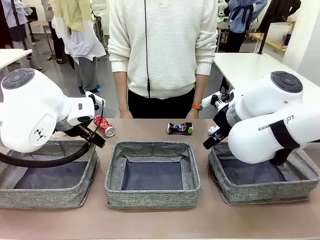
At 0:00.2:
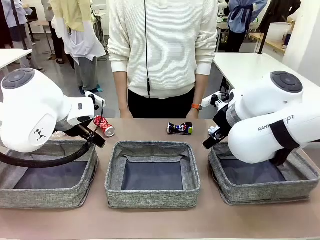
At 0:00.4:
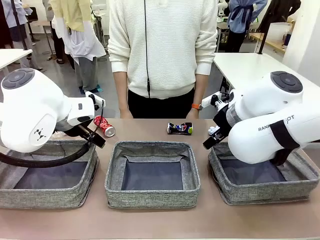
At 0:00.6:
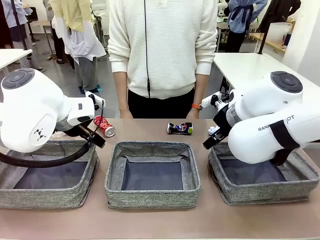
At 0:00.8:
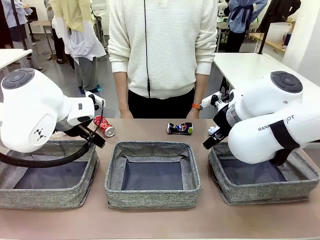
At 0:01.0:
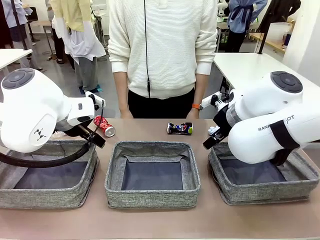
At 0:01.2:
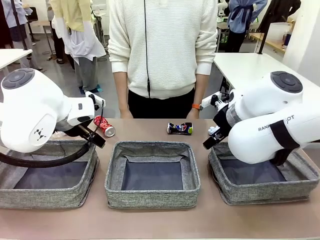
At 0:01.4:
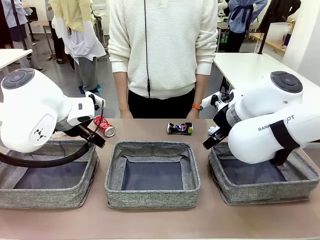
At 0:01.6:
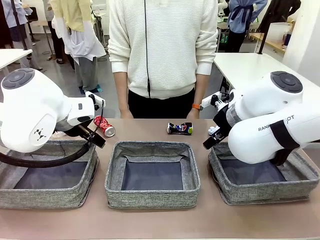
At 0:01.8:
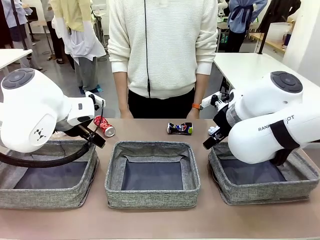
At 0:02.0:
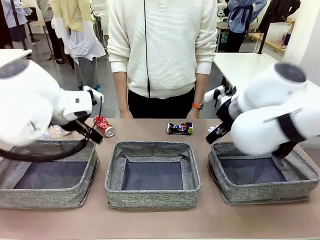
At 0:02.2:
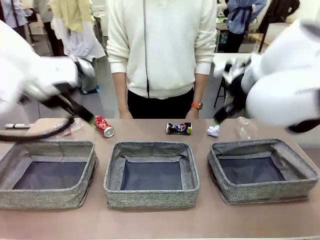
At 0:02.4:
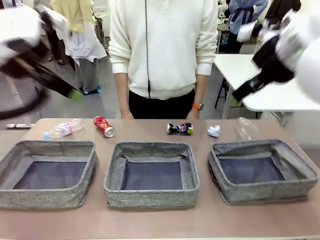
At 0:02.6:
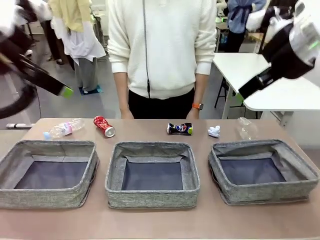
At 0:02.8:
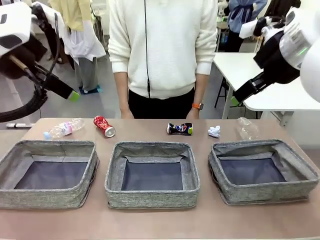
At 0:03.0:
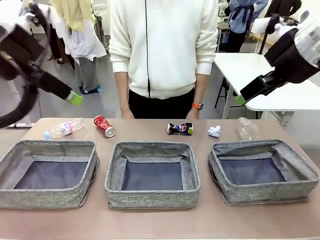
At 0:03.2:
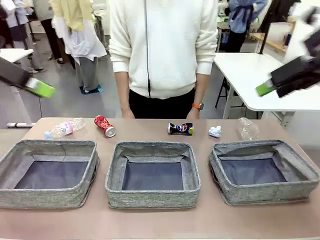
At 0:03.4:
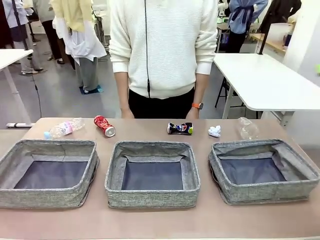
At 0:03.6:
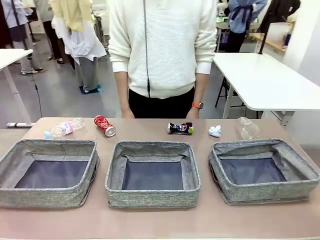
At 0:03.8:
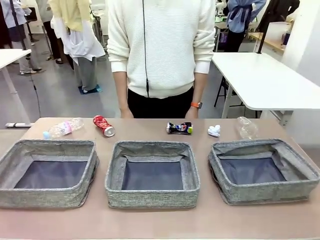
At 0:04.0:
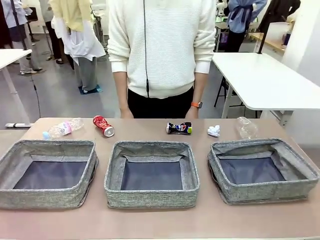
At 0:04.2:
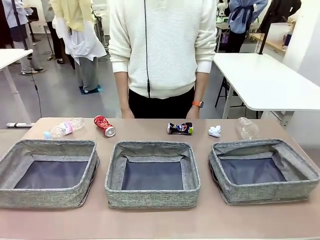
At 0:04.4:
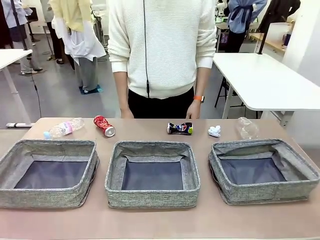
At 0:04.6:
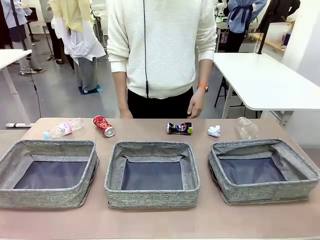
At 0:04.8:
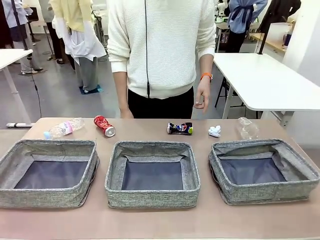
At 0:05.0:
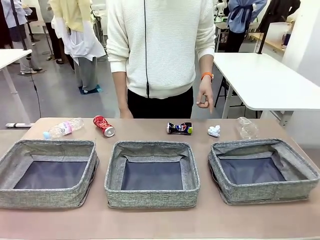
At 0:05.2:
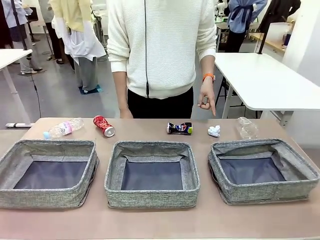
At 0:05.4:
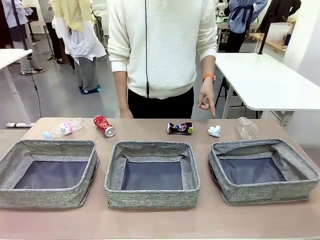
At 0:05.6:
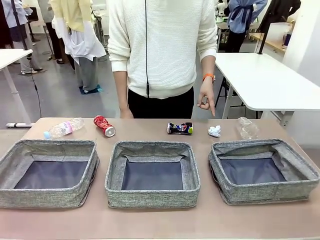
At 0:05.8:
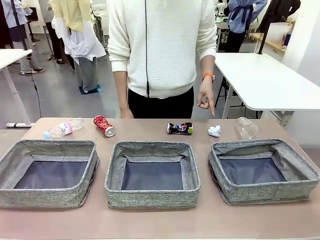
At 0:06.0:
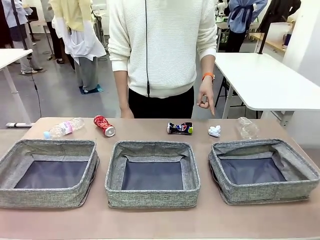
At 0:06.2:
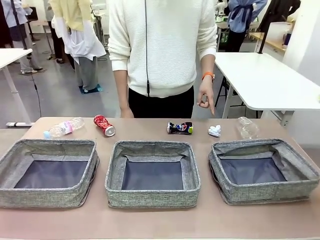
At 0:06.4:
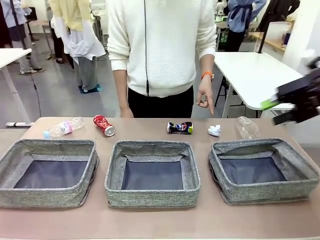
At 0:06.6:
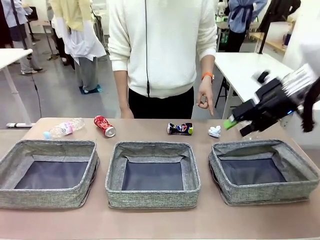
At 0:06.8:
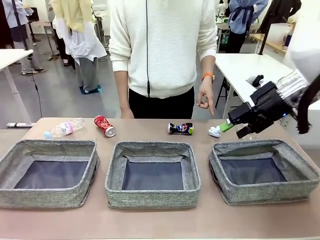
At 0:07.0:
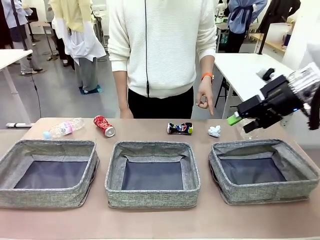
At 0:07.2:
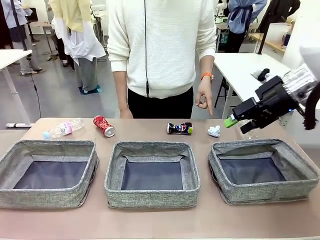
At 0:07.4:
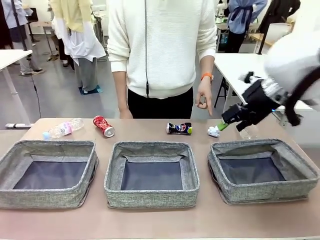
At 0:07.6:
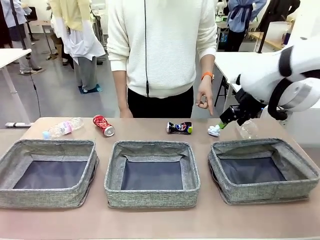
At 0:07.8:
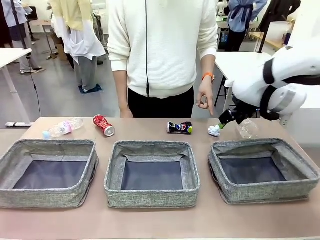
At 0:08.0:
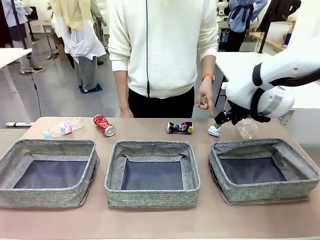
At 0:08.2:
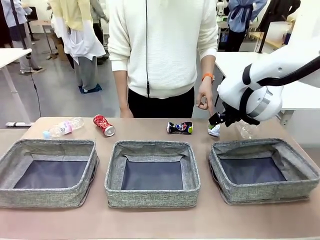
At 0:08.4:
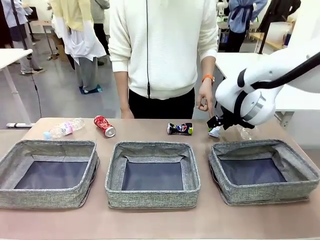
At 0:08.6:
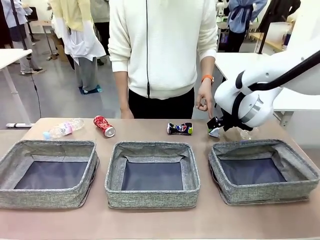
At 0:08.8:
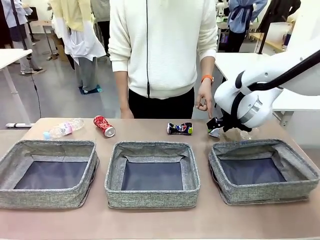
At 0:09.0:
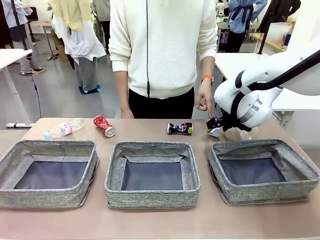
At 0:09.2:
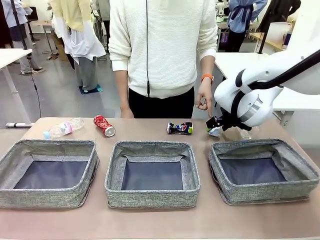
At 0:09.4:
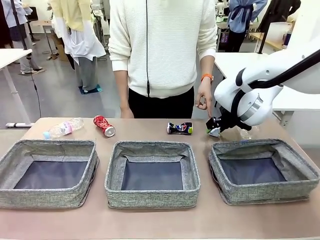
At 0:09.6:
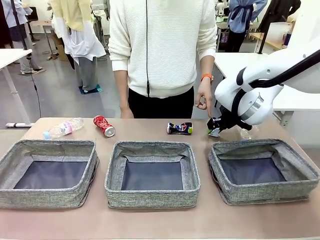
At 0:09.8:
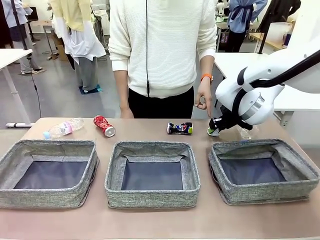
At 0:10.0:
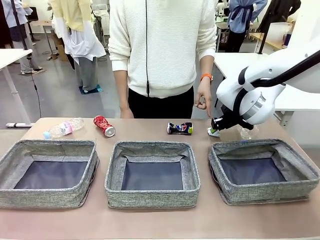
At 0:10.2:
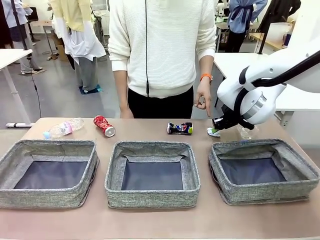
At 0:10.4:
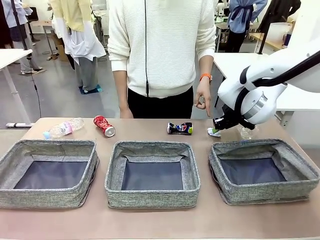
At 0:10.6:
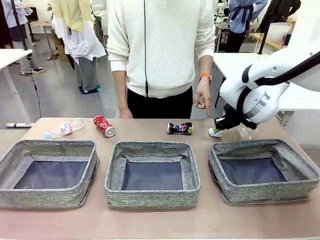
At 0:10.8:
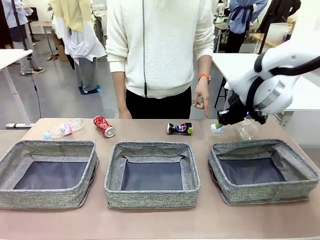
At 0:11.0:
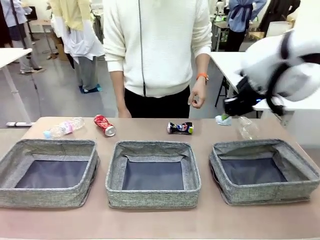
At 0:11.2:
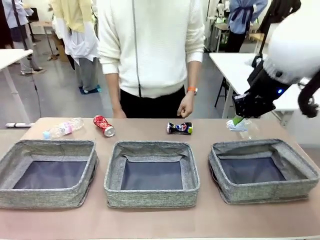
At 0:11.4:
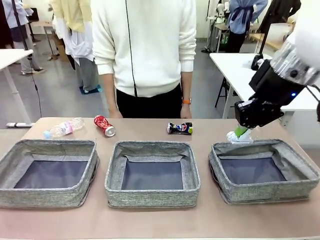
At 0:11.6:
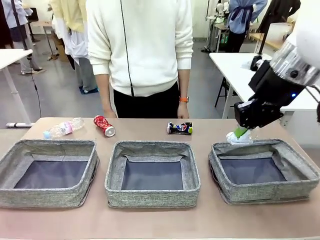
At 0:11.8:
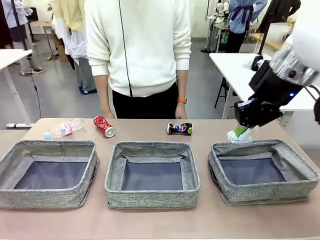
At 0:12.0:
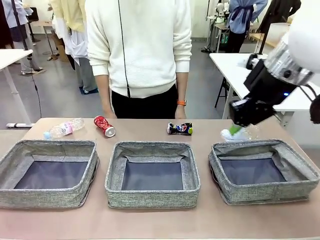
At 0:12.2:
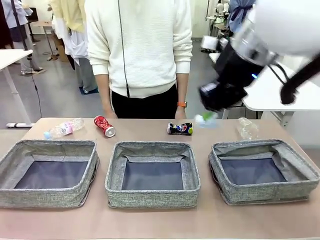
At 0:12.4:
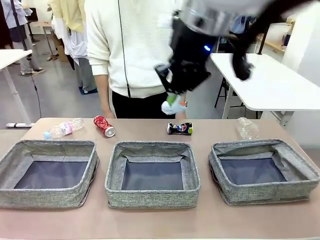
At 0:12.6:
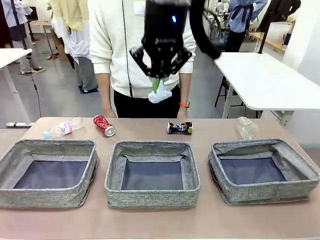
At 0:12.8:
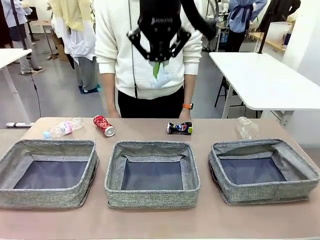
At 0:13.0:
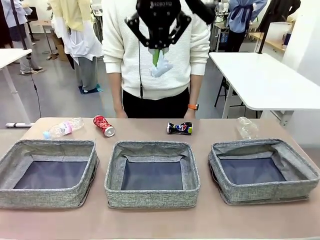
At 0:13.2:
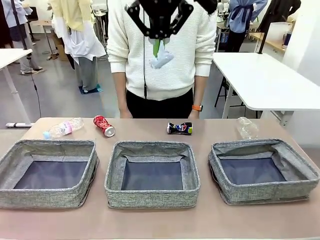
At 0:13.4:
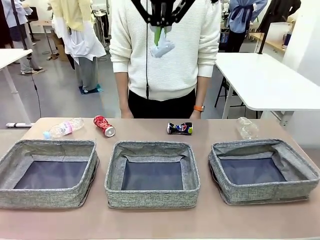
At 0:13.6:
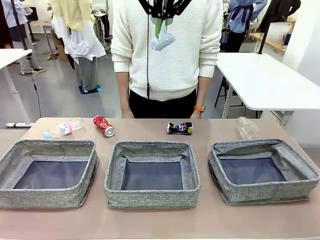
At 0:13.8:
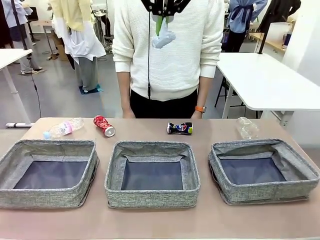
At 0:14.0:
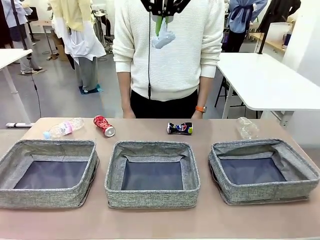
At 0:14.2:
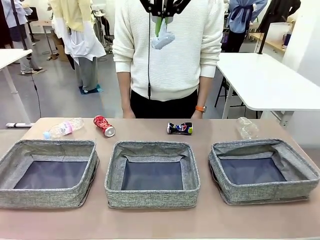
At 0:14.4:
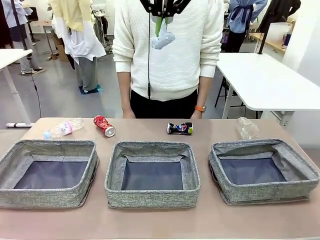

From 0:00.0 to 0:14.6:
Task: Sort the waste into the appropriate baskets.
Robot: Pick up the waste item pointed out by the person.
Person: Points to one piece of trash on the table.

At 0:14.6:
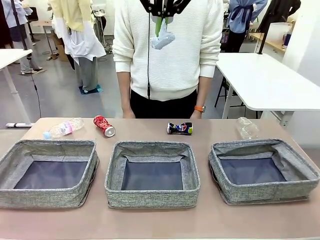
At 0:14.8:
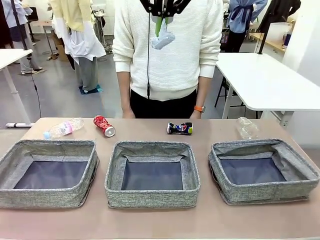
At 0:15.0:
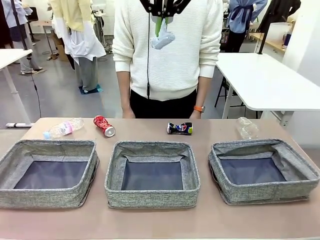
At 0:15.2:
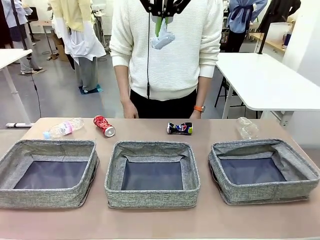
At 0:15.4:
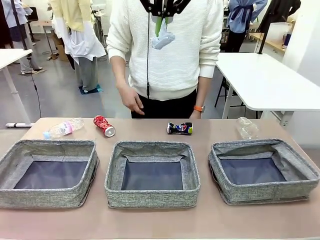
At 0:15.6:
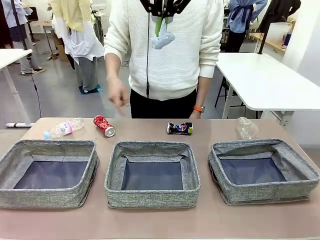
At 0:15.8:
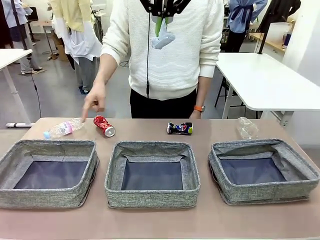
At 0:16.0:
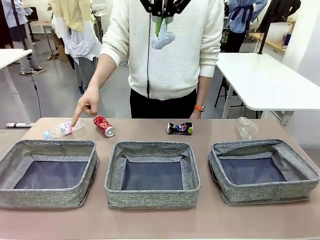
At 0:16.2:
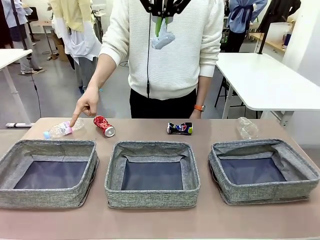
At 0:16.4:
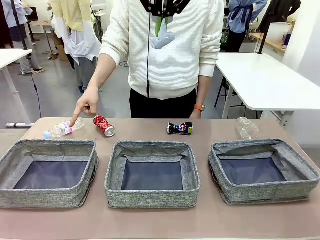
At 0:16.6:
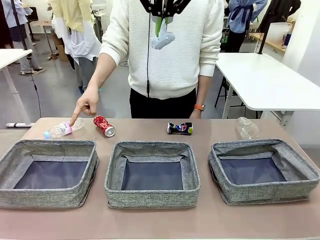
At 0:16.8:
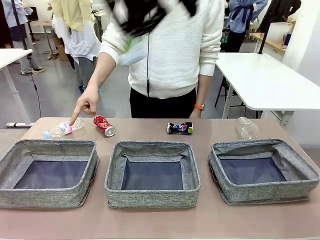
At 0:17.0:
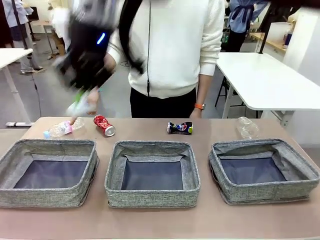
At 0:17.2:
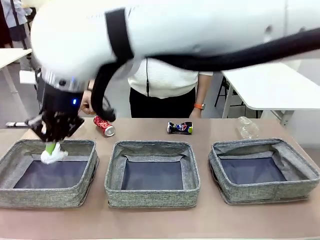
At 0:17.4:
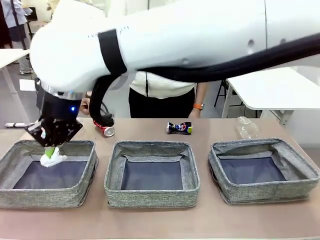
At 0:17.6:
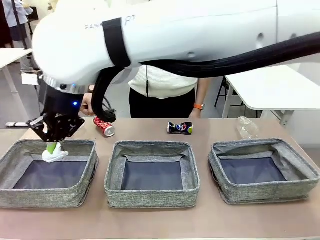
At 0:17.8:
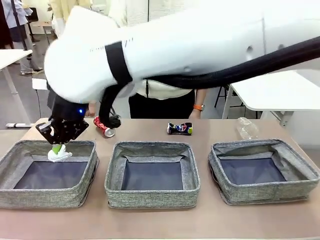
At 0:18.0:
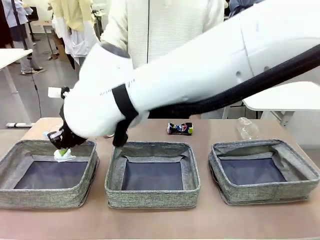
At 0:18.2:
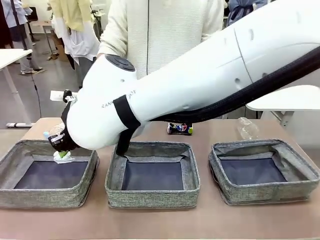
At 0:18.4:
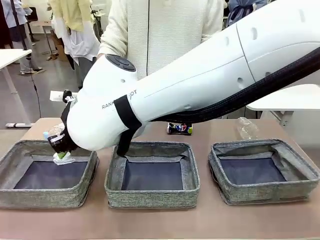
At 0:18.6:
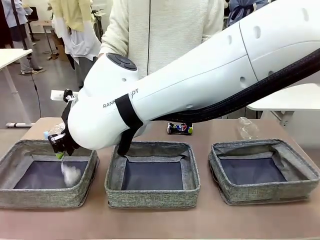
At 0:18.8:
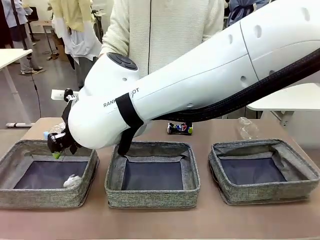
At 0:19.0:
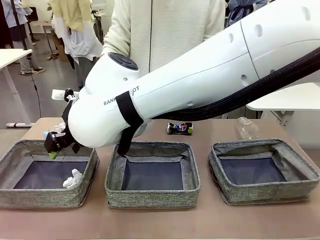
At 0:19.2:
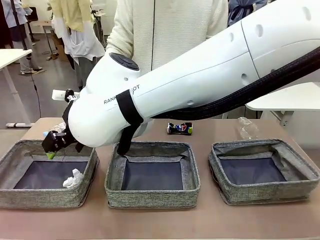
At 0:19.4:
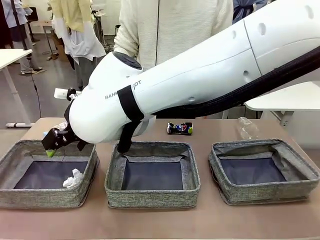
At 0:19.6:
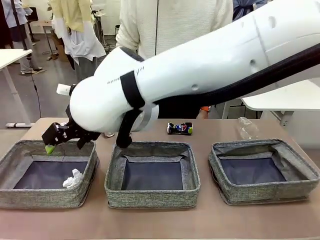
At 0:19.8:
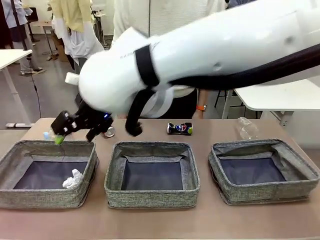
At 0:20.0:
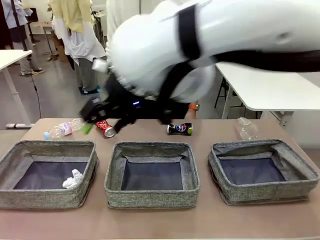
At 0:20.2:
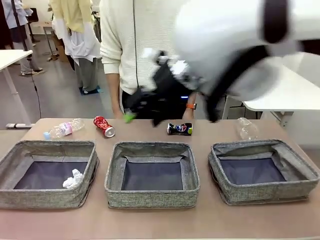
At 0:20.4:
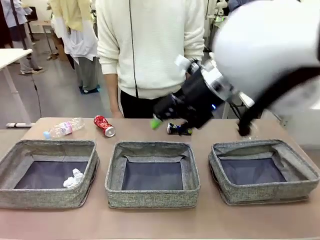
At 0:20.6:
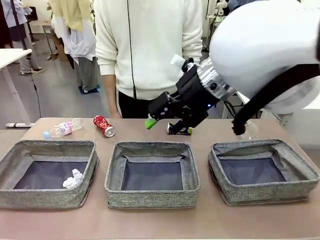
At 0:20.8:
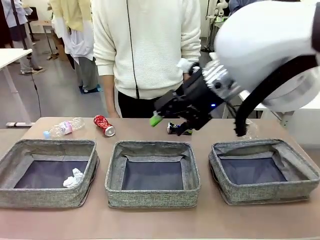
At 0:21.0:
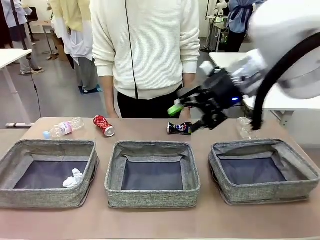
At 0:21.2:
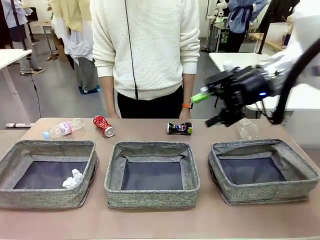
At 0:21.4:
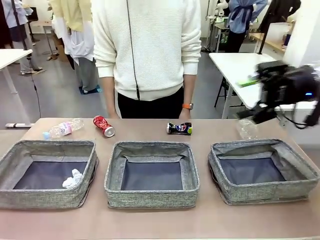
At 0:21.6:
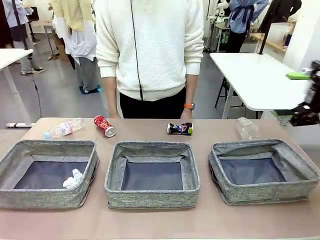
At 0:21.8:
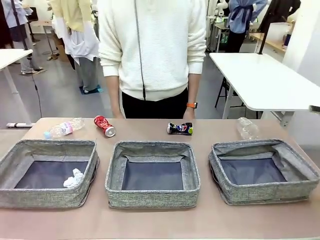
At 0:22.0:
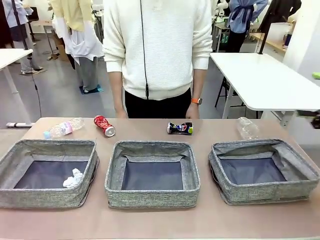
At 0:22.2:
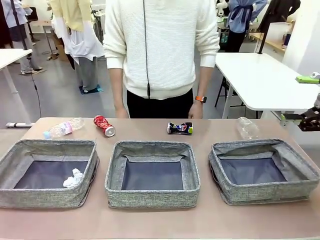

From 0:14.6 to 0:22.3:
Robot: Place the picked waste into the Fabric basket indicated by the person.
Person: Instructs the robot to place the picked-up trash into the appropriate organizing basket.
